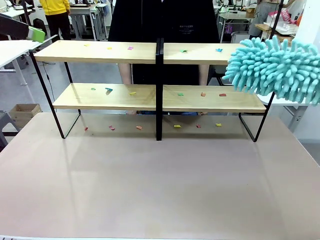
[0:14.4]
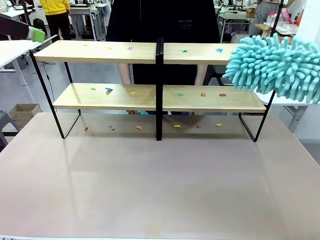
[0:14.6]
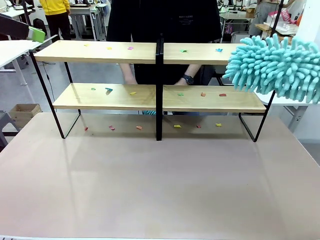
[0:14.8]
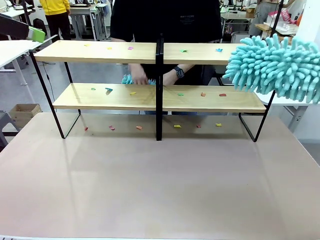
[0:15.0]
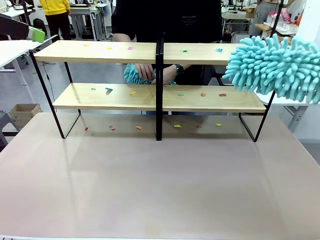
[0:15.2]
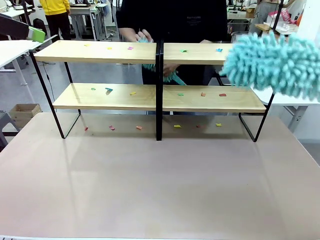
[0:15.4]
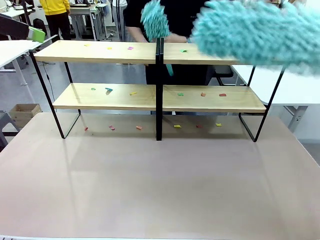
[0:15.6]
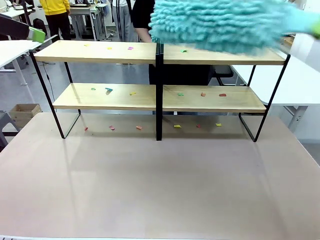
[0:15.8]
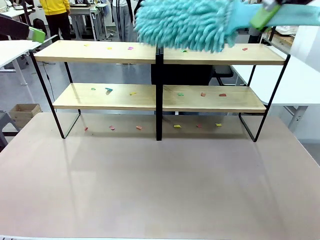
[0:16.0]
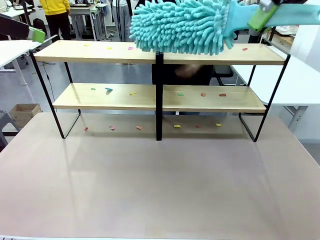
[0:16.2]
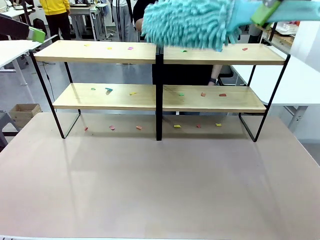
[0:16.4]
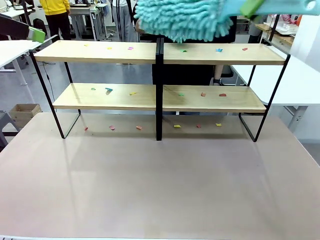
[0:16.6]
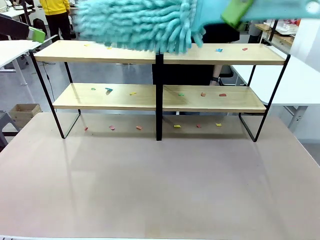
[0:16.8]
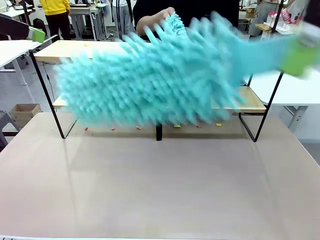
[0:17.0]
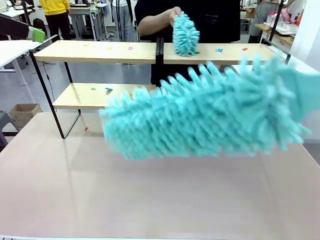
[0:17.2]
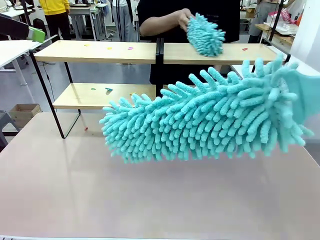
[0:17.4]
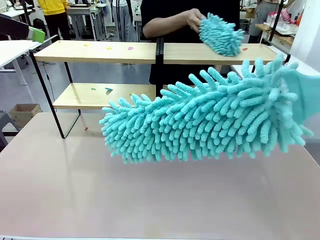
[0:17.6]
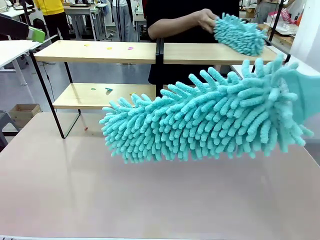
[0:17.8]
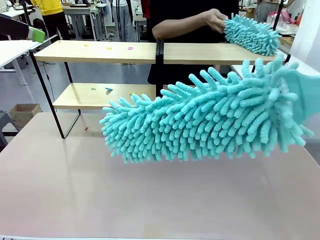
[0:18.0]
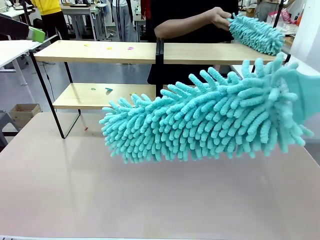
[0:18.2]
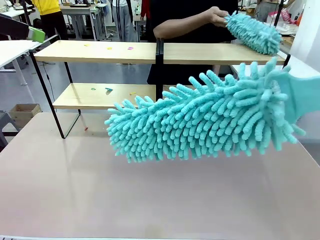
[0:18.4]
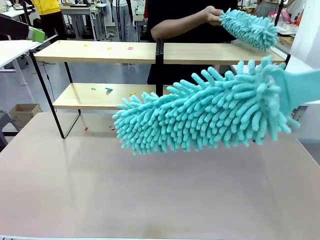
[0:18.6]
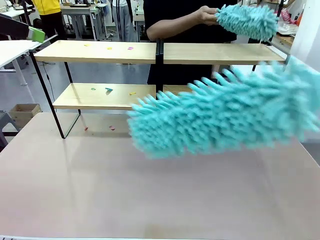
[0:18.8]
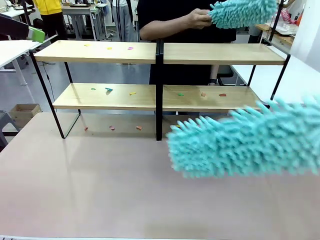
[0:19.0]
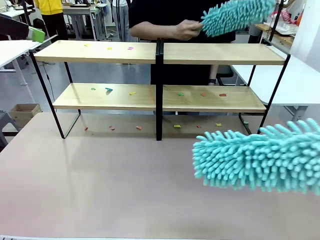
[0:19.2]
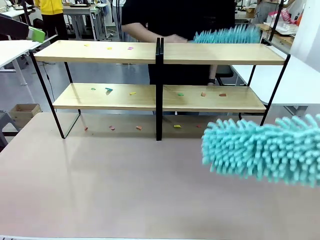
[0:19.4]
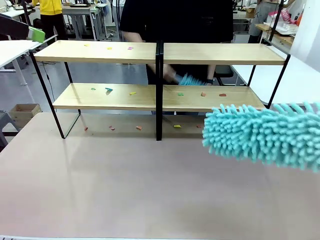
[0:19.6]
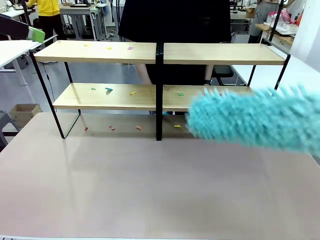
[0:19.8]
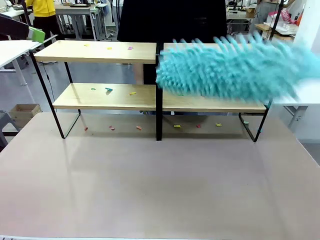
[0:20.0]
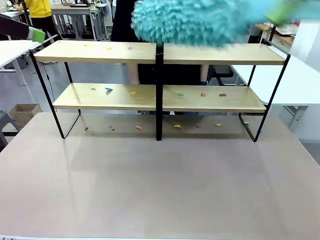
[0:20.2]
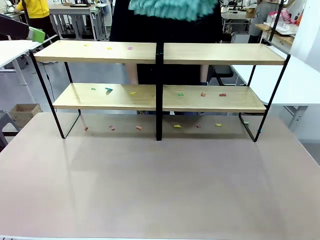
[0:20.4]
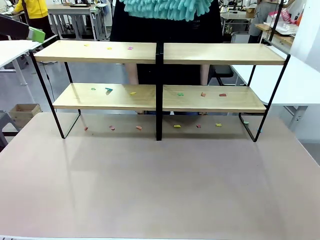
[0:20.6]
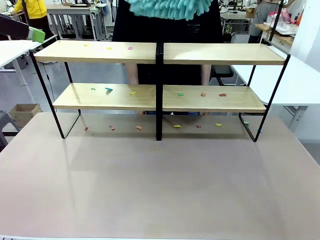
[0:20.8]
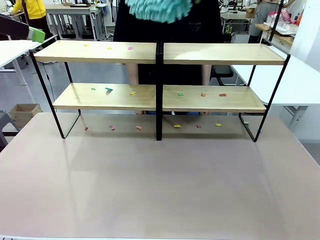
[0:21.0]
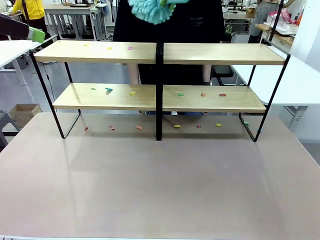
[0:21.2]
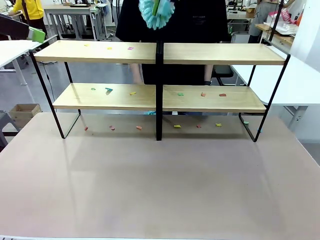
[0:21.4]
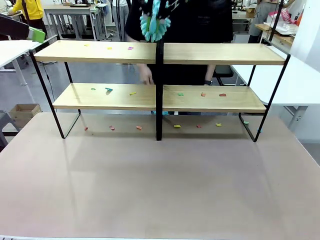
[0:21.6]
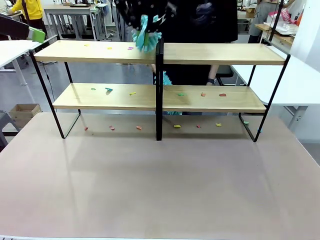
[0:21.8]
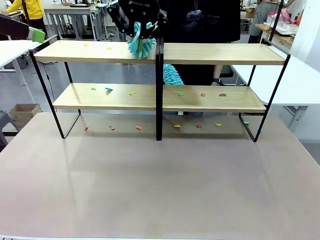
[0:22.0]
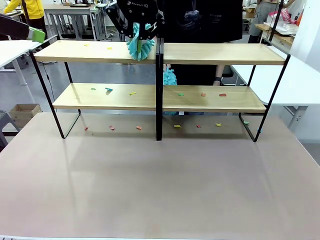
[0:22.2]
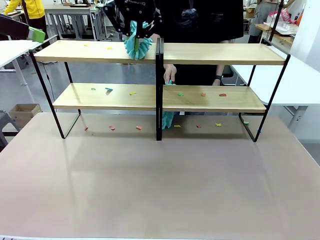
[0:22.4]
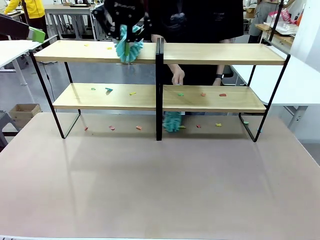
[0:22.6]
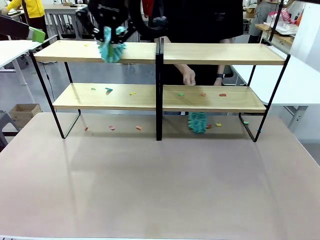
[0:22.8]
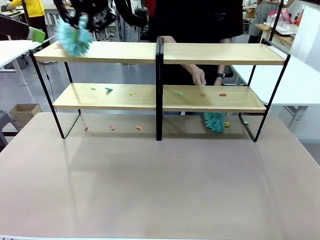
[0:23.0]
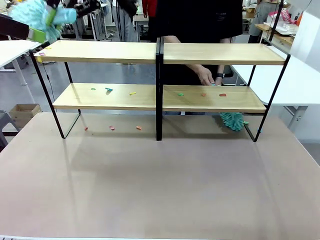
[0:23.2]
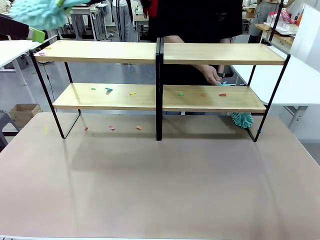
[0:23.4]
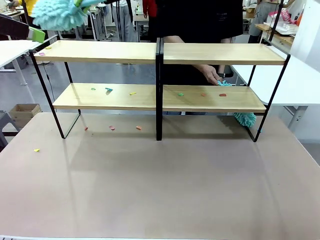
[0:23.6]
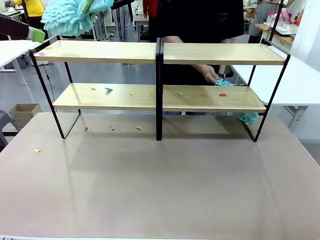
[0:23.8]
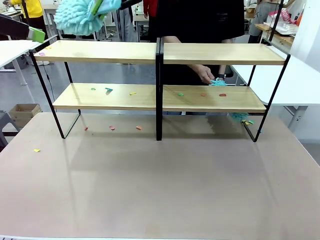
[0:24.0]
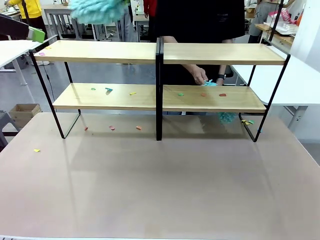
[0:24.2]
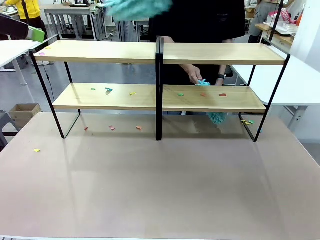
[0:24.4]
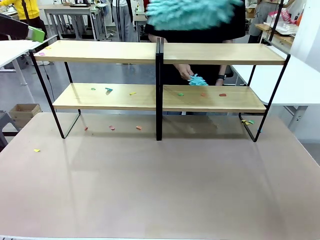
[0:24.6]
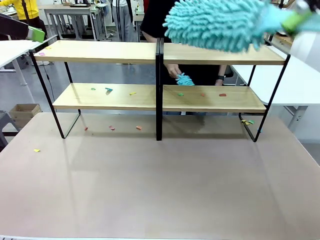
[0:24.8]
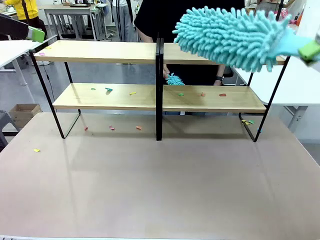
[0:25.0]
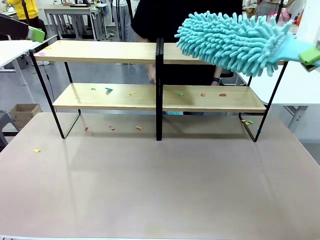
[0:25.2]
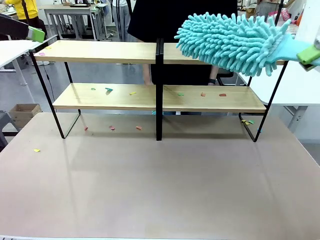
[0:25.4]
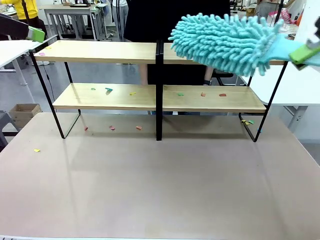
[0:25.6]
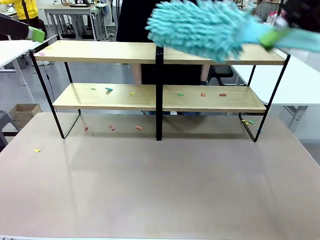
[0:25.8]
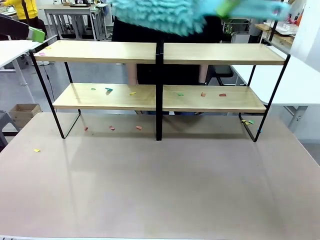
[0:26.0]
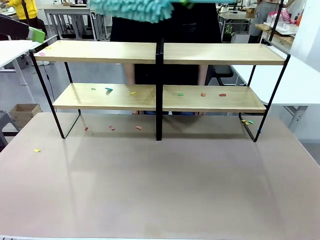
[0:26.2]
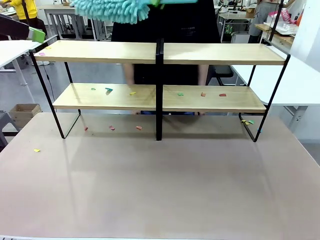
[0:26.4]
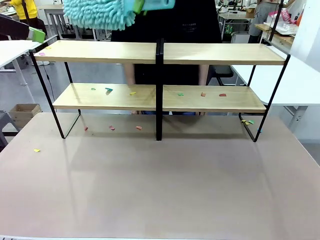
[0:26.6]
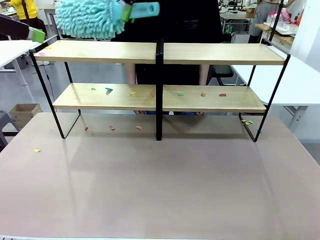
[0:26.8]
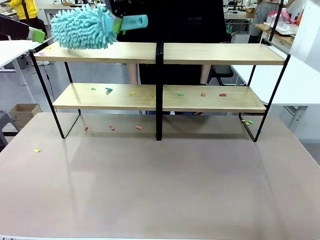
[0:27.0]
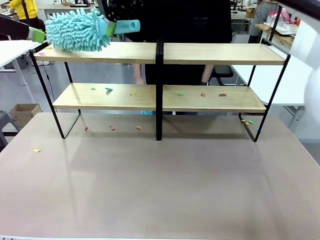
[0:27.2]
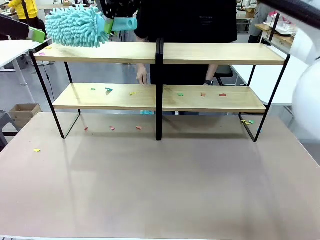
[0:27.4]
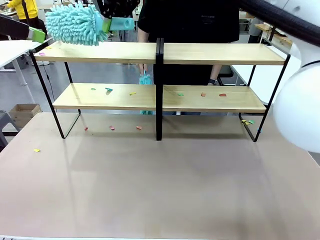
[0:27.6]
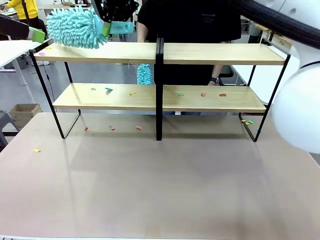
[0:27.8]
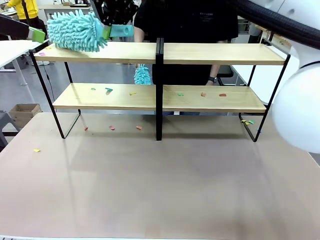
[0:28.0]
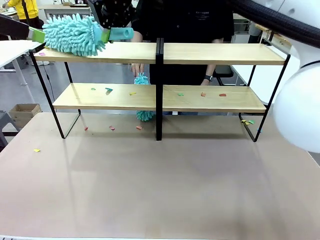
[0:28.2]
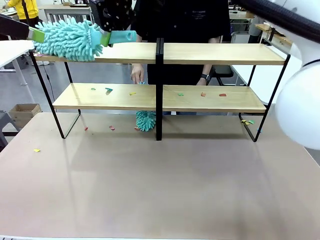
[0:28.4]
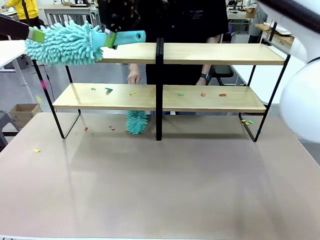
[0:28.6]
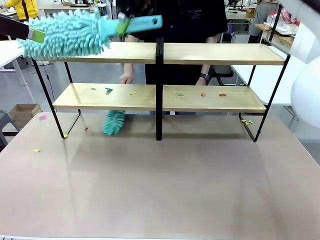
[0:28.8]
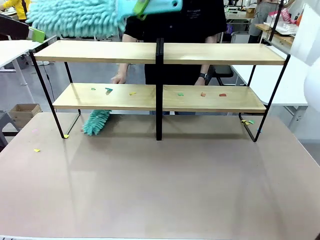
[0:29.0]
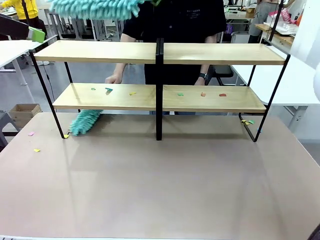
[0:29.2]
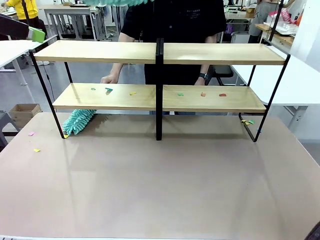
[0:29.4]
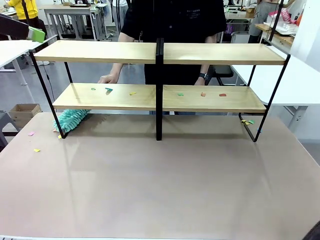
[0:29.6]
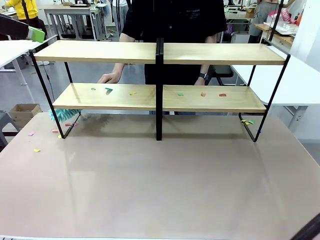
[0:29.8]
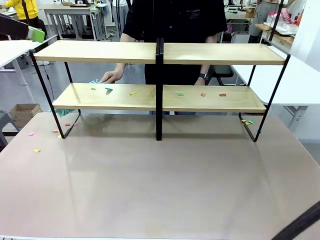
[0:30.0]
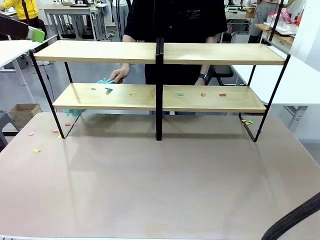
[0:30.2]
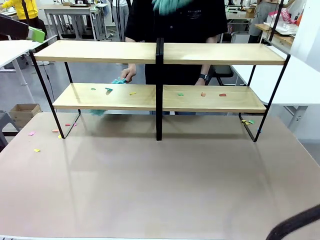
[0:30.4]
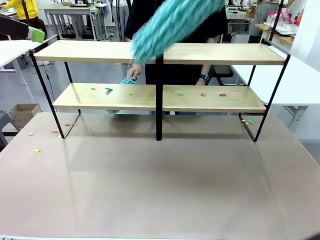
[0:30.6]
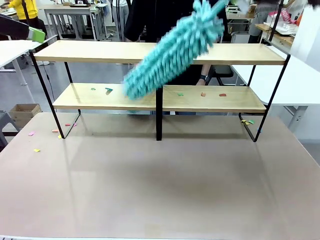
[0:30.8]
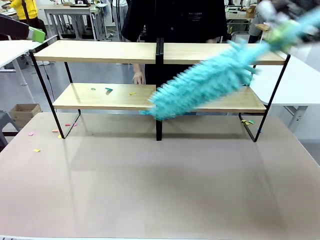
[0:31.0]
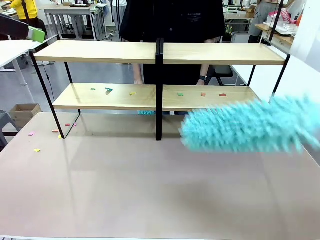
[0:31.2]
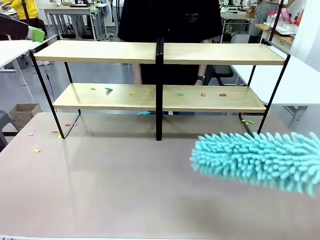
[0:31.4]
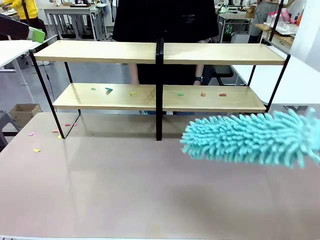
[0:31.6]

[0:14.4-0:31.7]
Task: Clean the shelves.
Robot: Clean a randomly selected level of the Shelf with the Duster.
Person: Clean a randomly selected level of the Shelf with the Duster.
